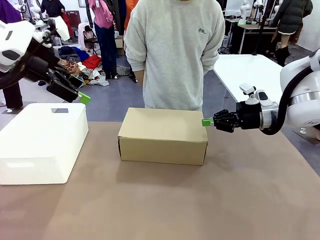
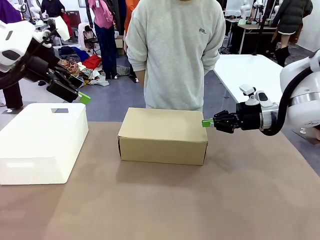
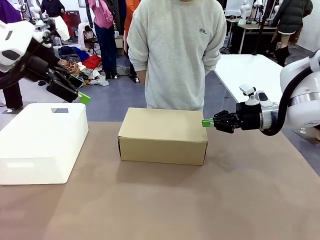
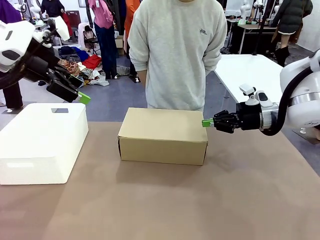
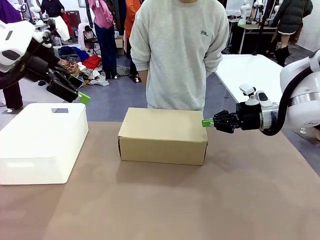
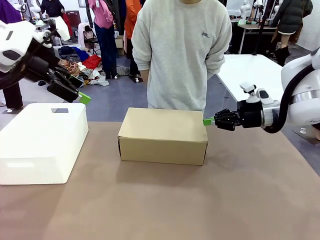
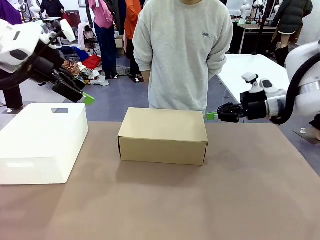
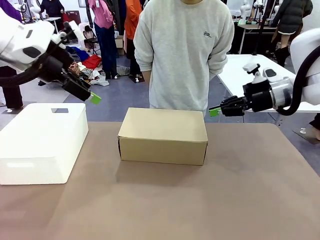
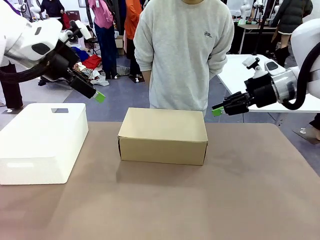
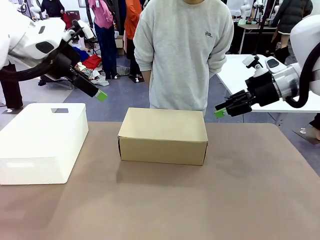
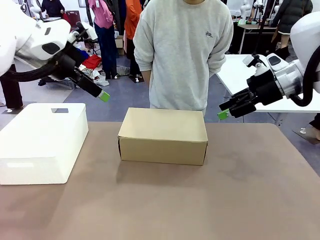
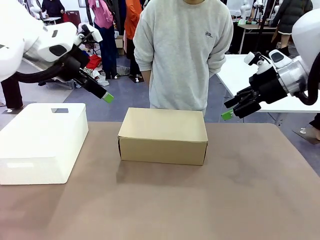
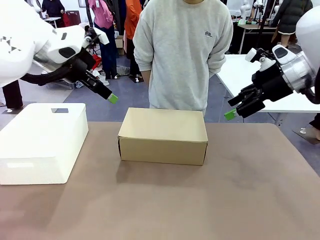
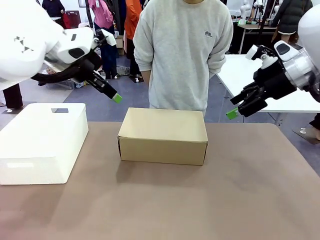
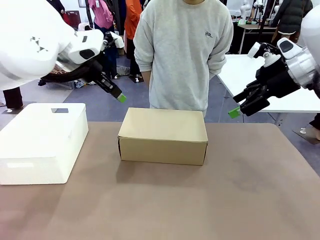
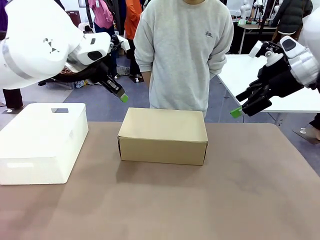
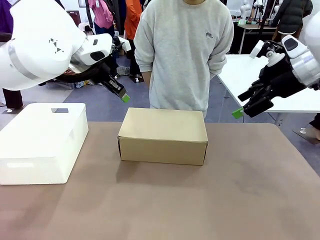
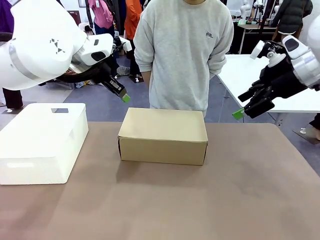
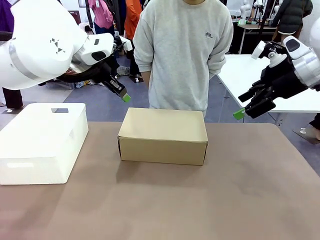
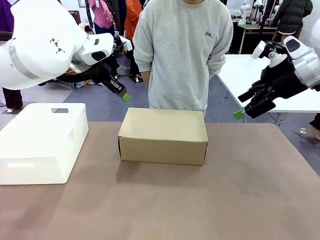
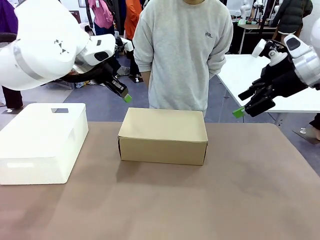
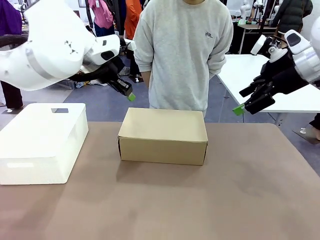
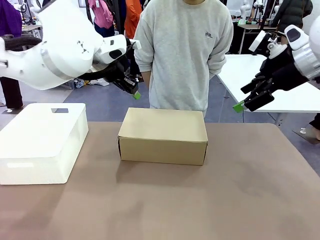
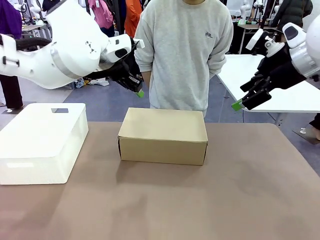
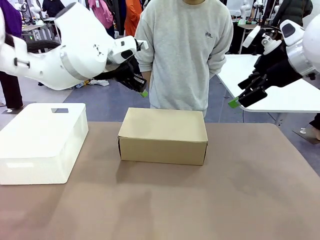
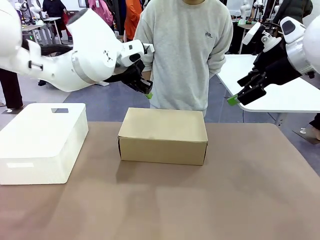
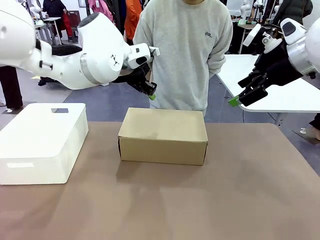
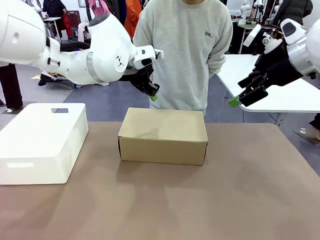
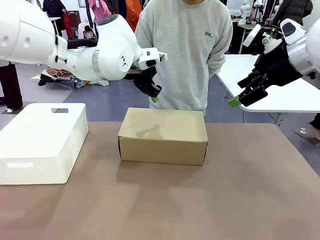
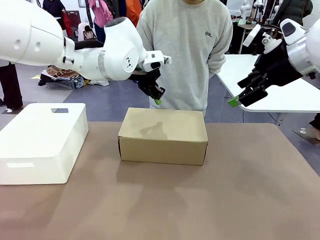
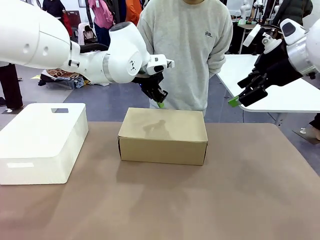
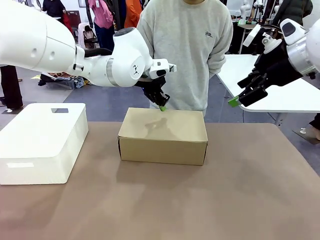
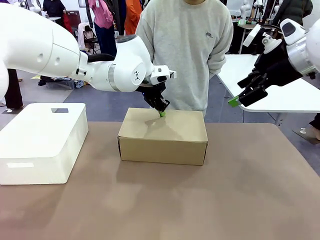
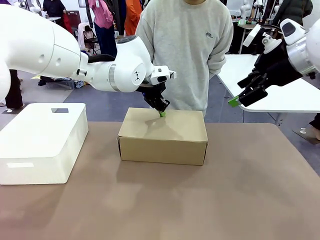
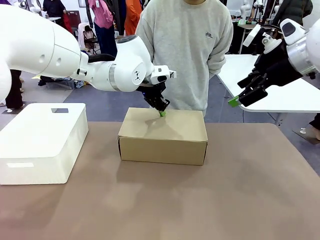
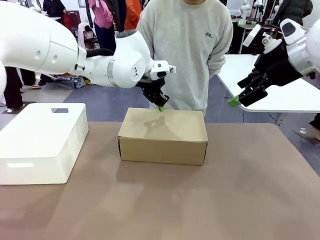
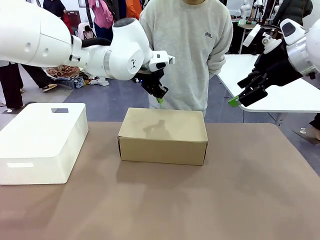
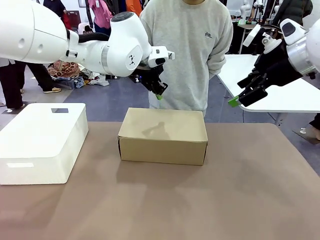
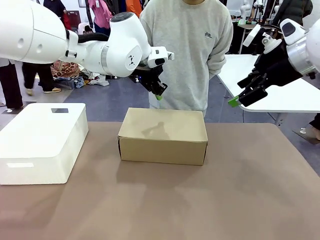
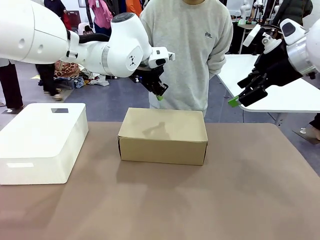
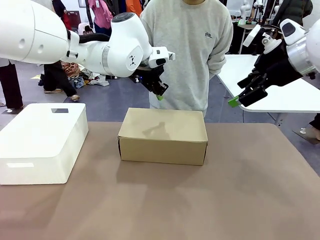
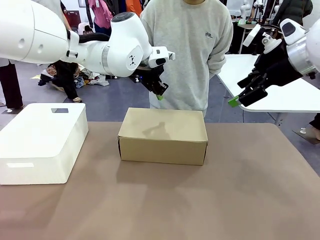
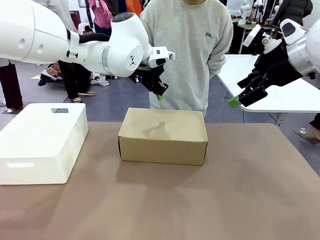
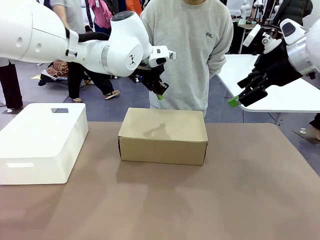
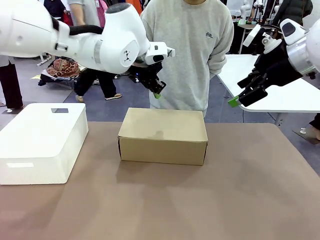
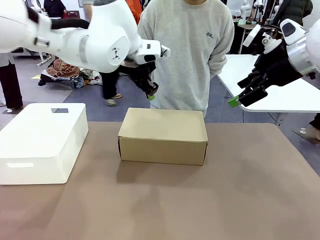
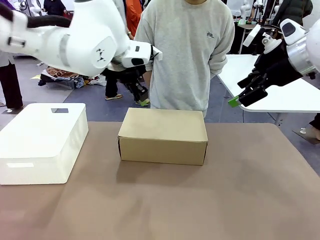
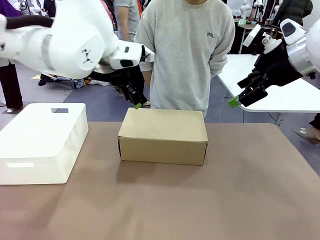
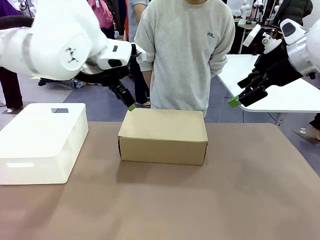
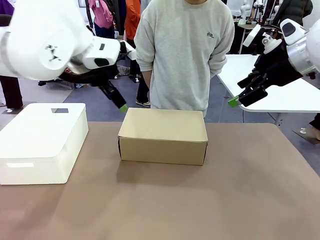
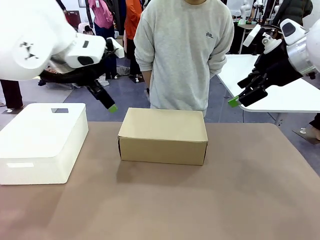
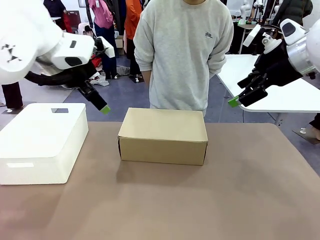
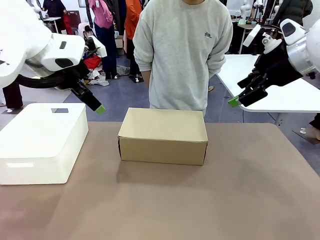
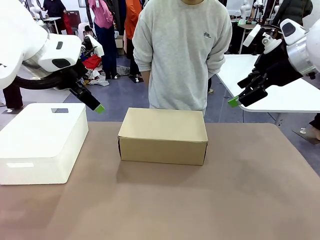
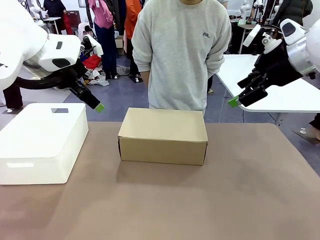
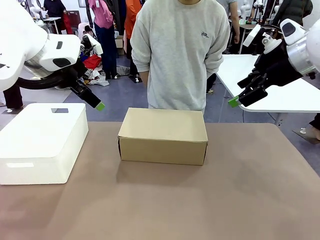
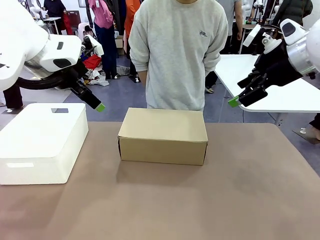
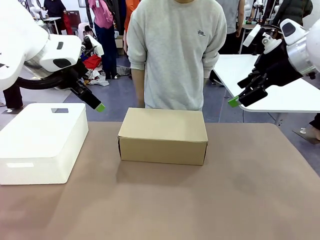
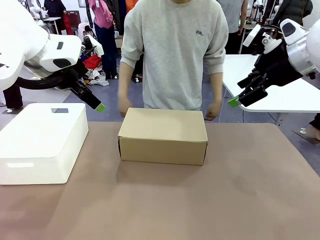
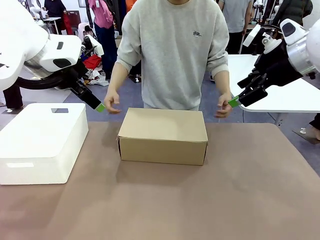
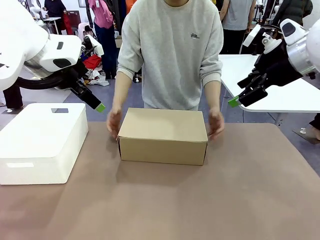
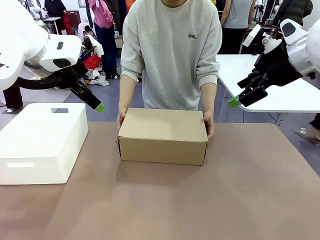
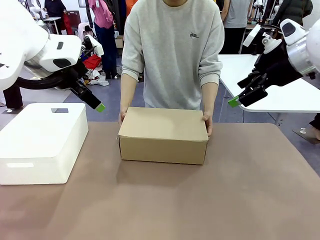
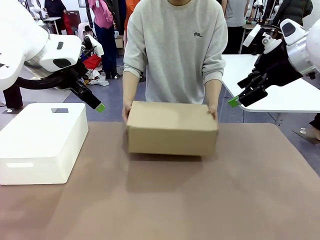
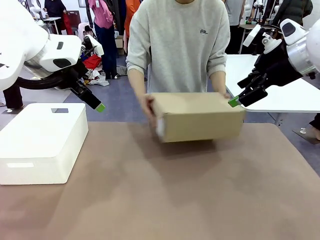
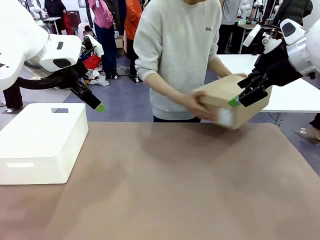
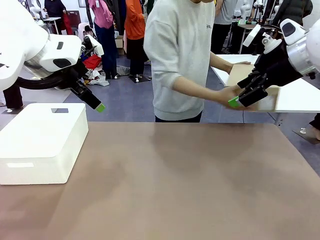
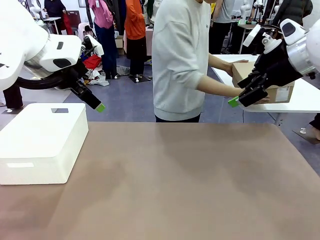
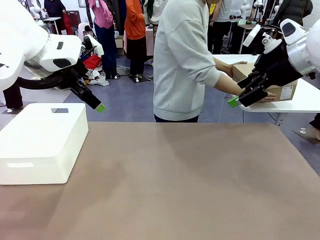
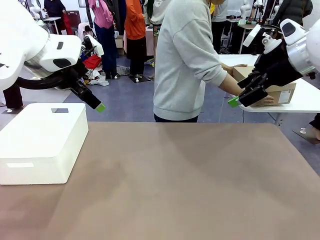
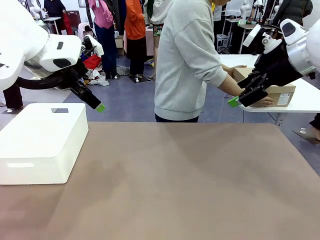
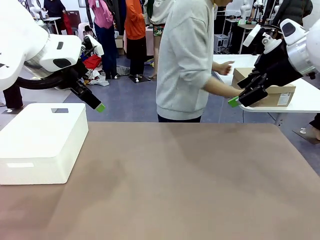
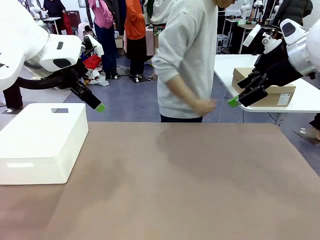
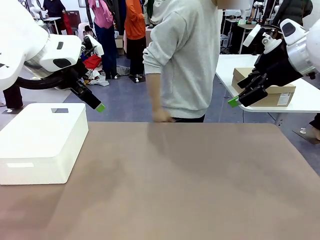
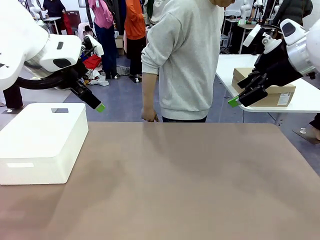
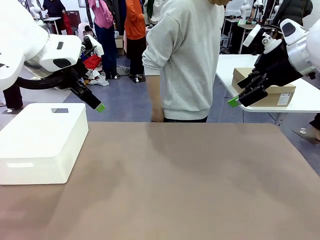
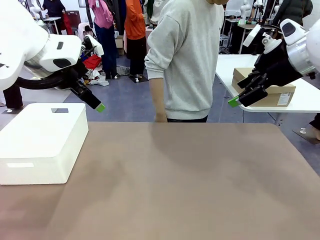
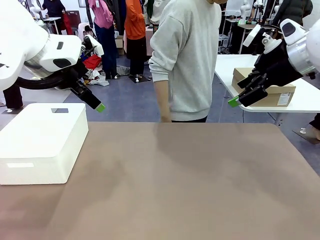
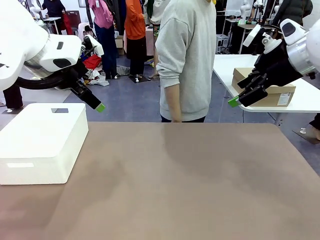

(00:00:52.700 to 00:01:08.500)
Task: Pack the shoes into the box.
Robot: Press down on the lid of the Shoes Box.
Person: Place the closed Shoes Box to the right side of the human table.
